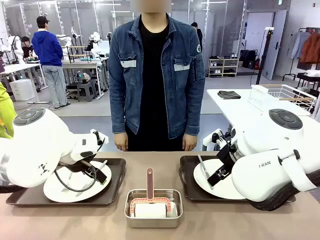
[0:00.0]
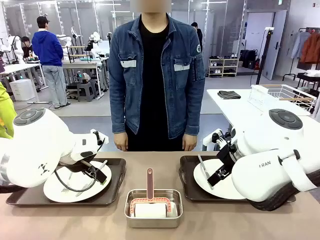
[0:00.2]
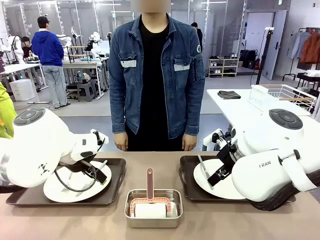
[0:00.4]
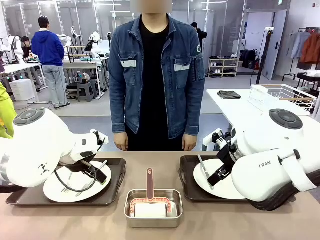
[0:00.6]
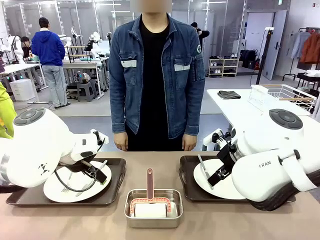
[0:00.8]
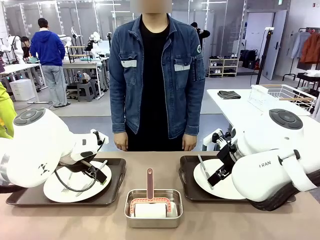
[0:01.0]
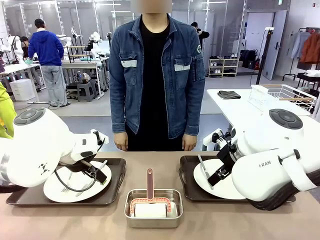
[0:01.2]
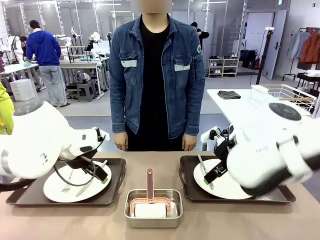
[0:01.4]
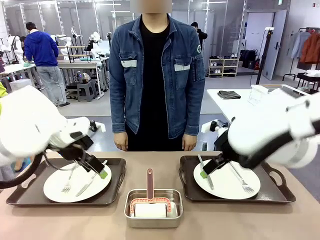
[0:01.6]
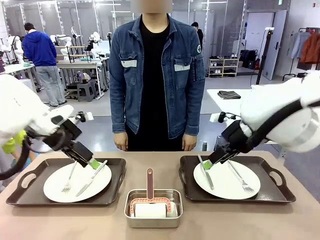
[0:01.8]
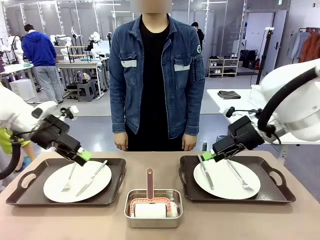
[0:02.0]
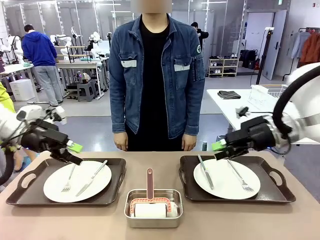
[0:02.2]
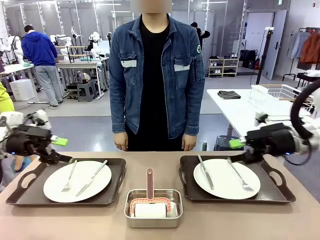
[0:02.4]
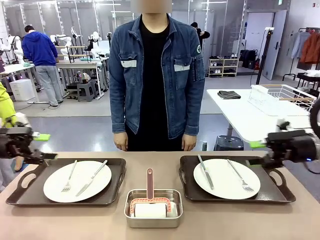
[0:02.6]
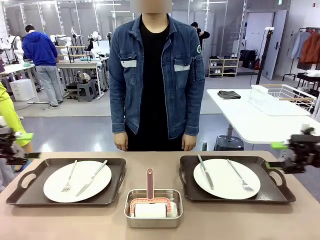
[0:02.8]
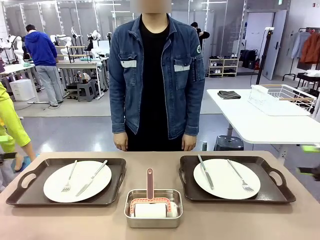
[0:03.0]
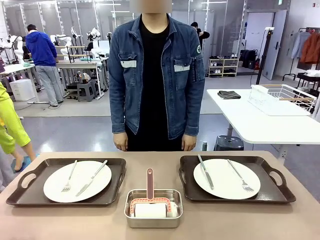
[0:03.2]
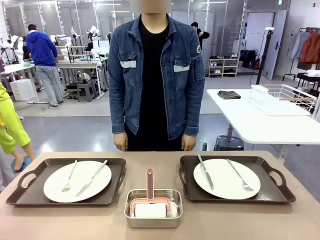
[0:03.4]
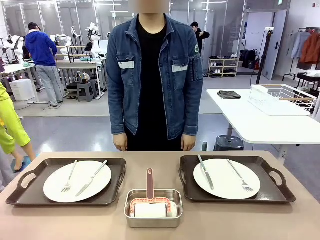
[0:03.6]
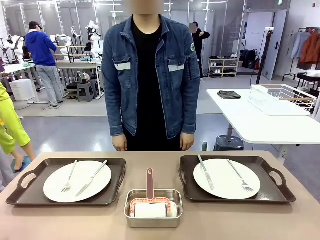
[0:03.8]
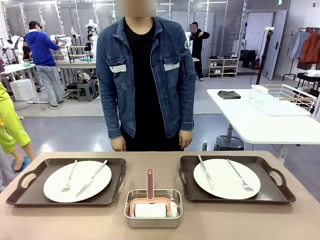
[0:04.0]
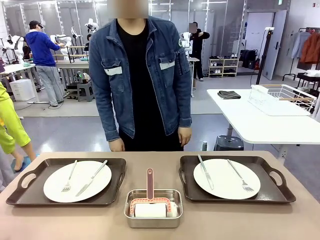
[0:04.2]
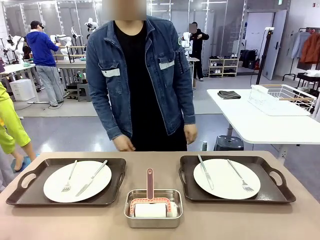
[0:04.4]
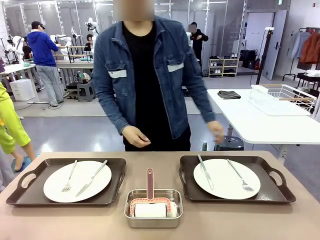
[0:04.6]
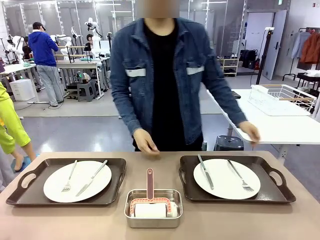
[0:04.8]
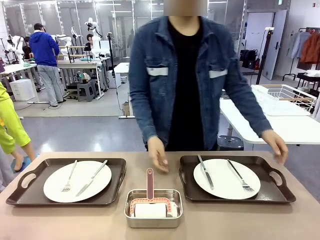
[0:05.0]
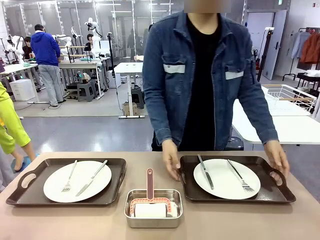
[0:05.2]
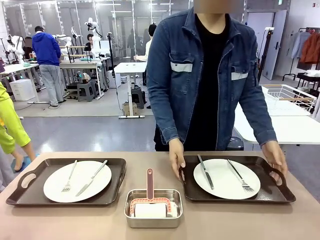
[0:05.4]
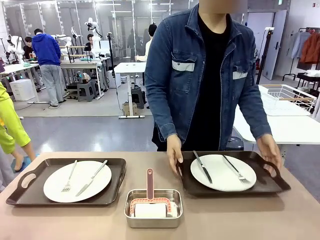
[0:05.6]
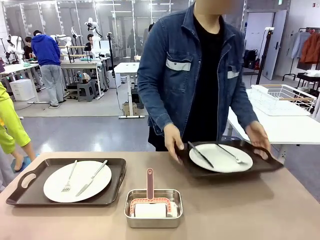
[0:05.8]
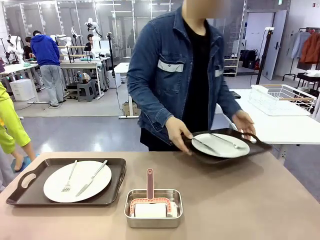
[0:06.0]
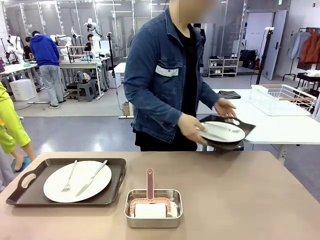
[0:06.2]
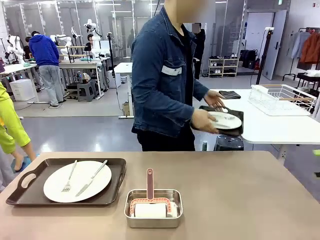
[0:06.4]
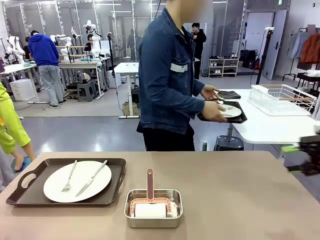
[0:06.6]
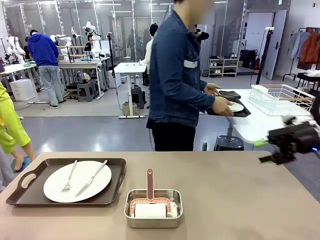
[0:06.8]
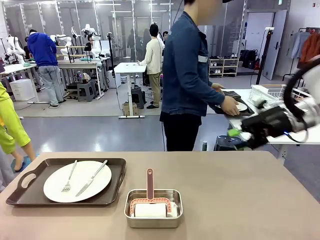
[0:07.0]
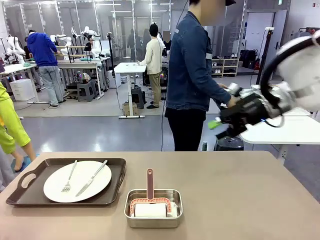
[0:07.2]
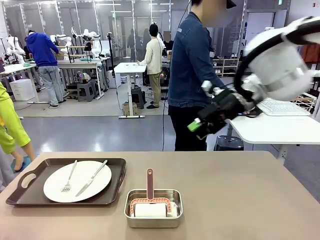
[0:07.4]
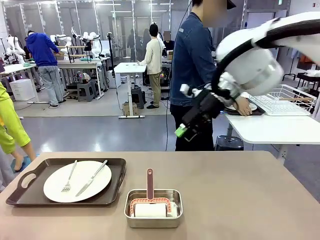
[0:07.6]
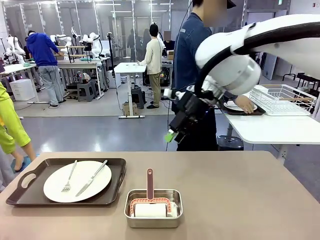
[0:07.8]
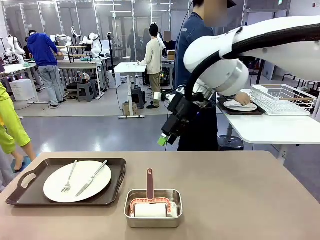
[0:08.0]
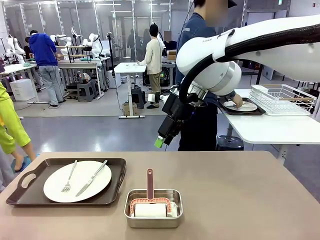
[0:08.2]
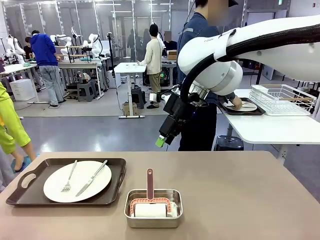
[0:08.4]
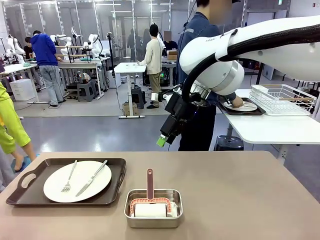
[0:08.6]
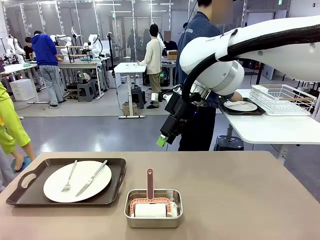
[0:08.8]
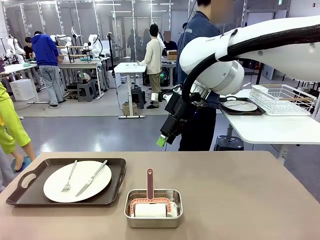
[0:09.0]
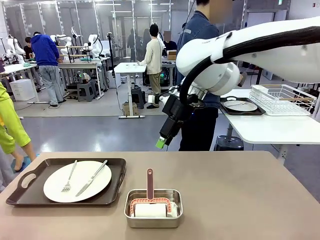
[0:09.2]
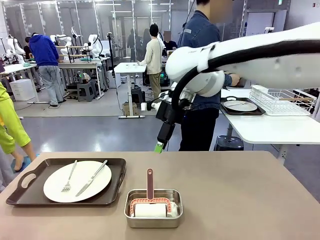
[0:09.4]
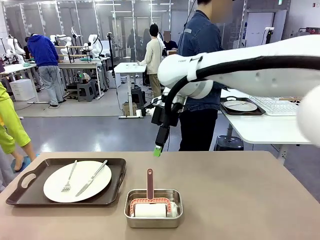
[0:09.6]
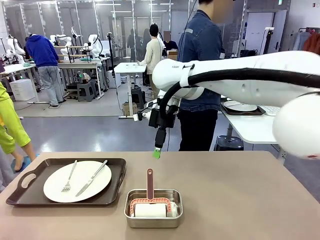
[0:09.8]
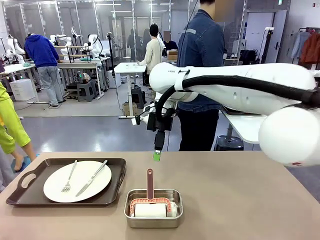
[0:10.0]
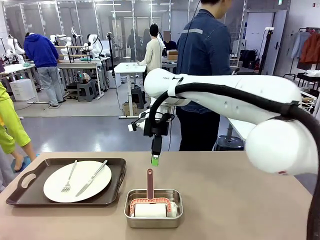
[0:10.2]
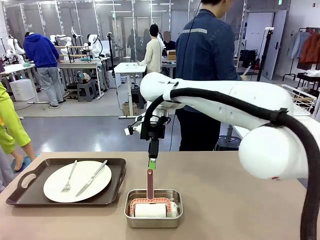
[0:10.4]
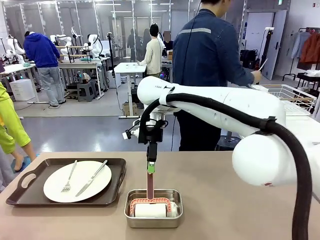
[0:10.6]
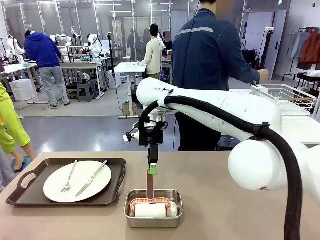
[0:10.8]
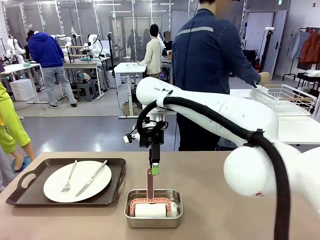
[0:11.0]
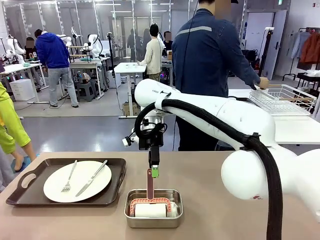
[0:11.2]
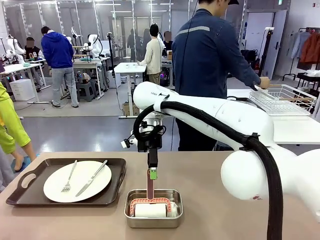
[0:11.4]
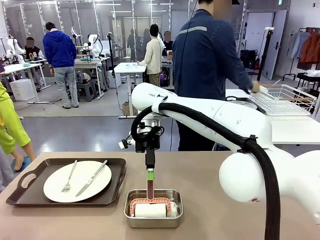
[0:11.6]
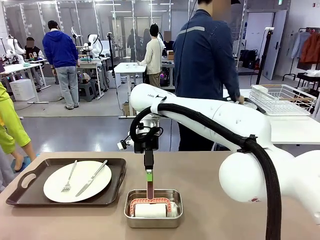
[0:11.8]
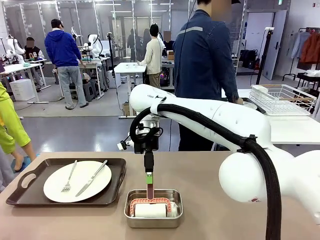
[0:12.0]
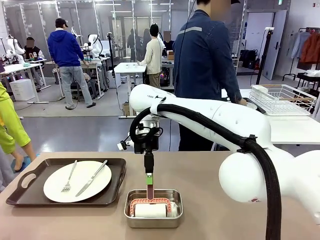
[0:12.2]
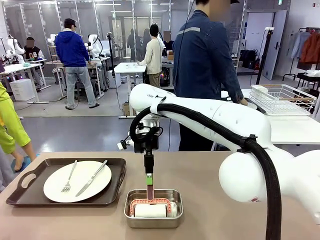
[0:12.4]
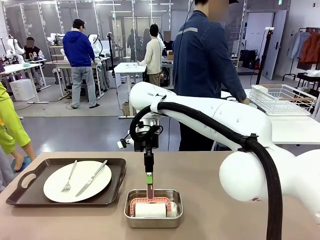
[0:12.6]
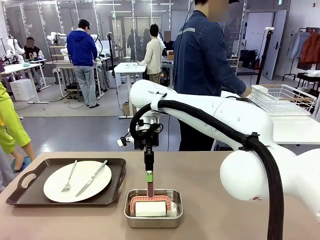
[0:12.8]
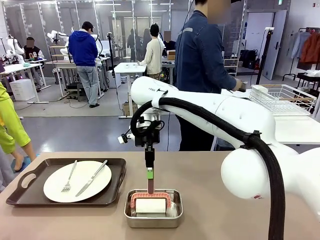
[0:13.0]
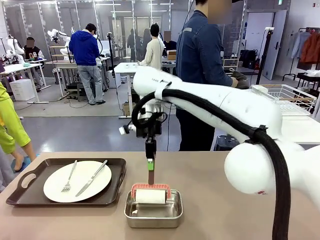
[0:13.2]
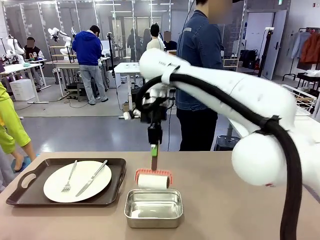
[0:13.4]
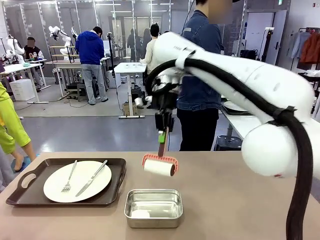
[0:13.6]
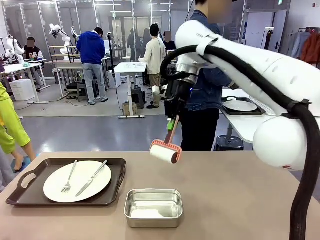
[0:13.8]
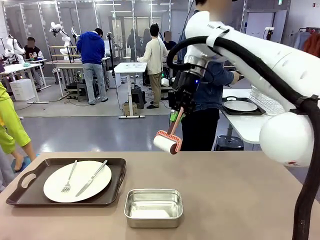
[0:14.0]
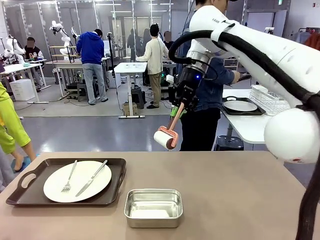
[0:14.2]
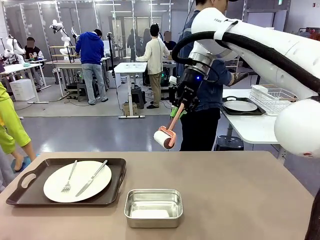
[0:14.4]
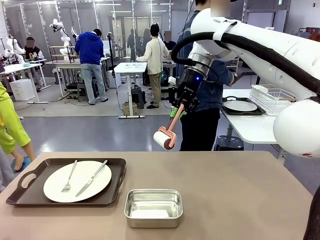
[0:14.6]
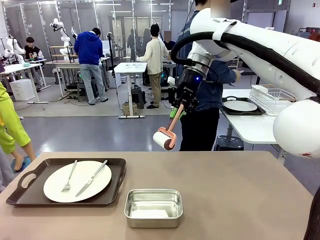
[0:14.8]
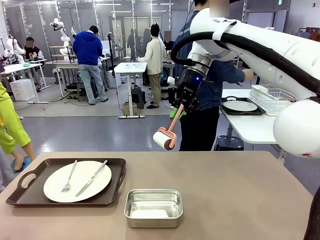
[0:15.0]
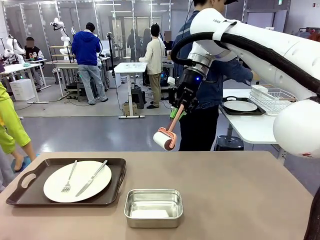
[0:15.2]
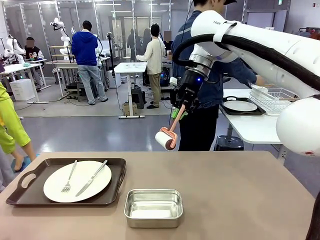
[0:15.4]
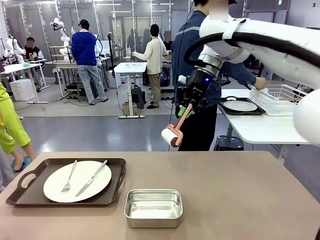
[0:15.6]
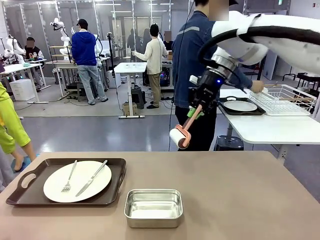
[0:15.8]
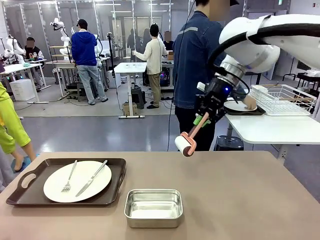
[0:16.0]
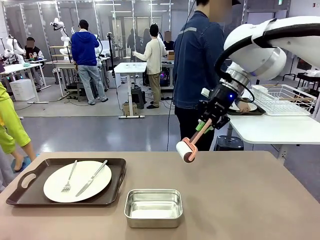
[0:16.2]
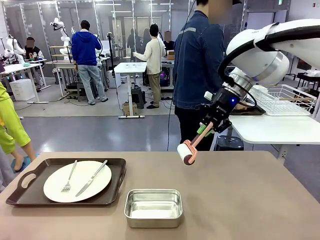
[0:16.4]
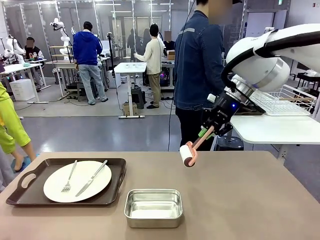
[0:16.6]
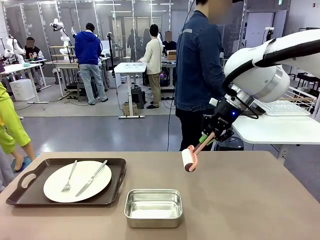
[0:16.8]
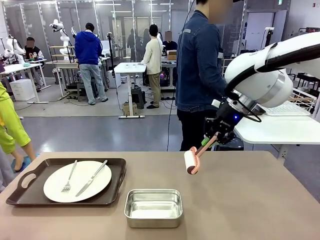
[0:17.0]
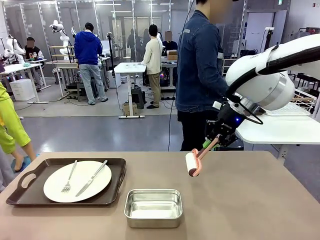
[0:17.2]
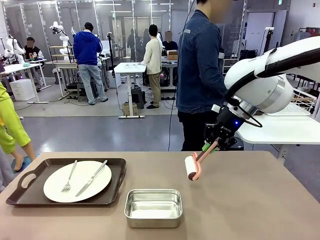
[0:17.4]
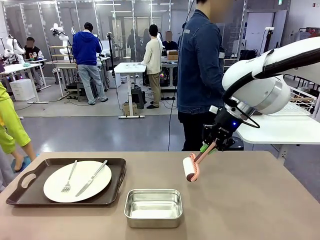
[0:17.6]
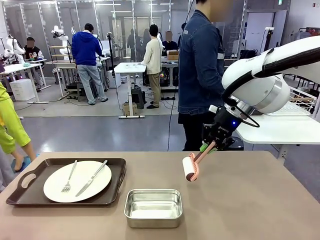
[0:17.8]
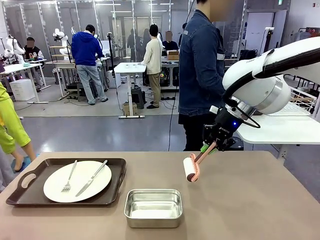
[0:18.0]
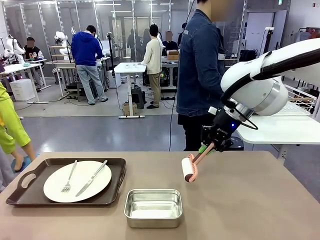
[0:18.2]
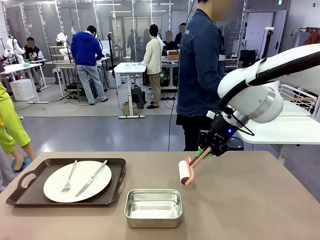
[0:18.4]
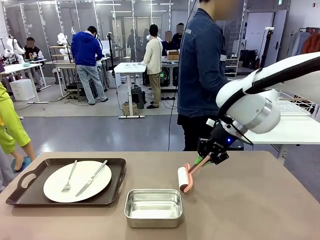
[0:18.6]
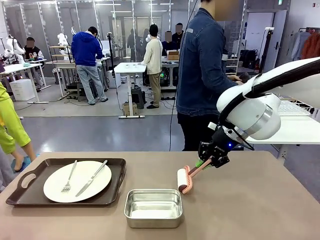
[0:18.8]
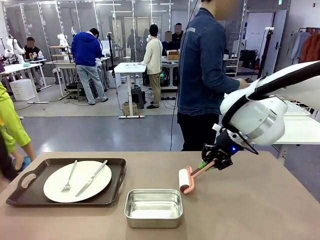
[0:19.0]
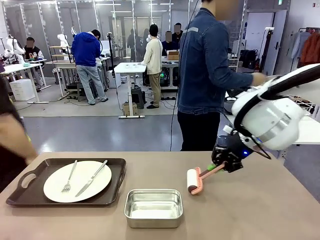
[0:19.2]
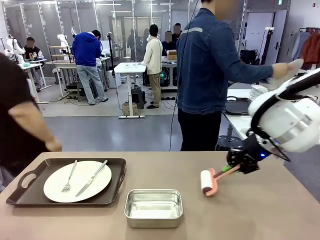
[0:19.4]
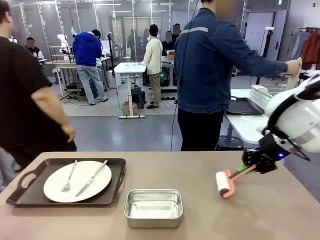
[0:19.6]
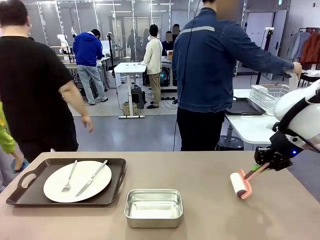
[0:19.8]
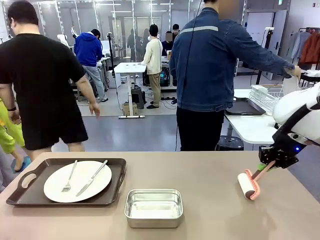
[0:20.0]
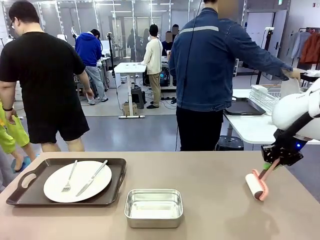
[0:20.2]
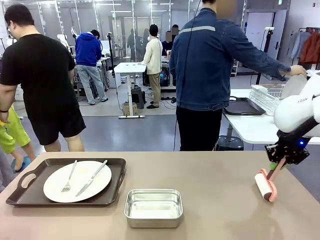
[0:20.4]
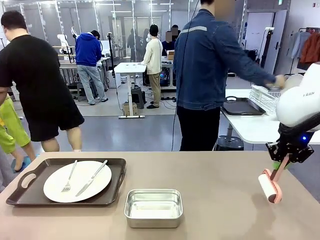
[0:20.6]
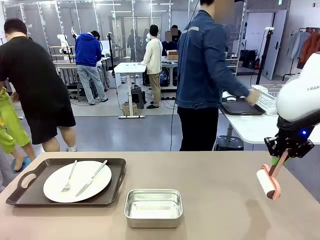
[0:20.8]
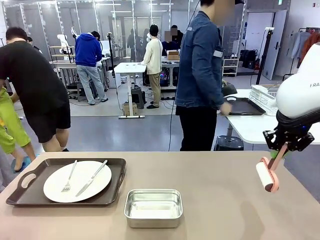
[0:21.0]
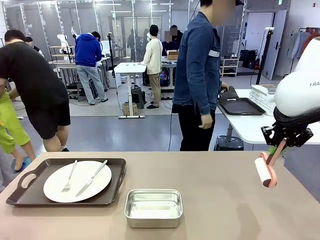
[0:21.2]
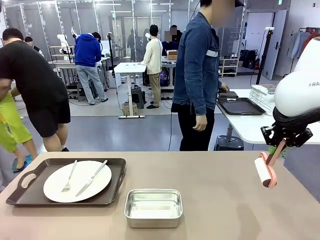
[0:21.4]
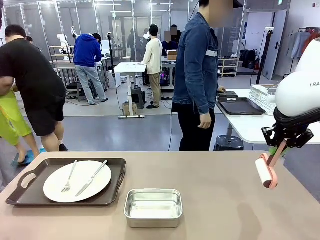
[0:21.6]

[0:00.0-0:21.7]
Robot: When the left (or right) Handle tray is removed, use the left hand (or right hand) to clean the left (or right) side of the table with the Lint Roller.
Person: Pick up the left (or right) Handle tray and place it on the middle of the Human's table. Use the Towel with hook to wipe the Plastic Matte Plate , Fork , and Knife and place into the Dish drying rack.
